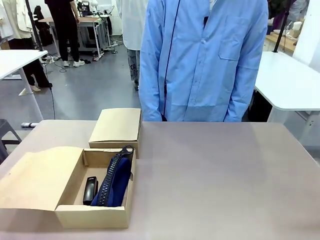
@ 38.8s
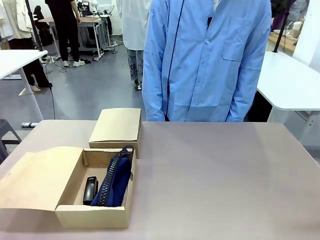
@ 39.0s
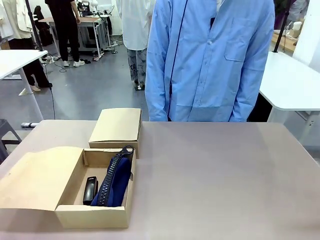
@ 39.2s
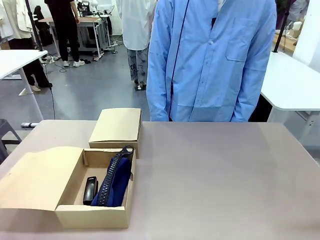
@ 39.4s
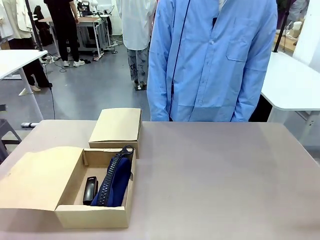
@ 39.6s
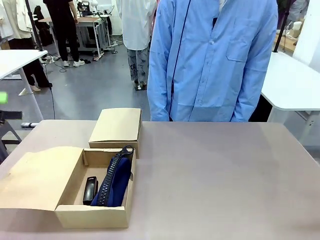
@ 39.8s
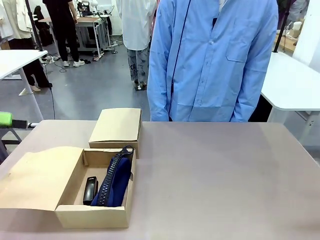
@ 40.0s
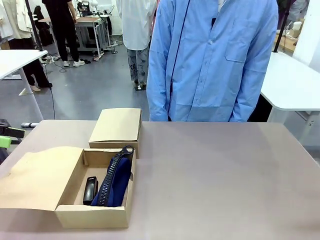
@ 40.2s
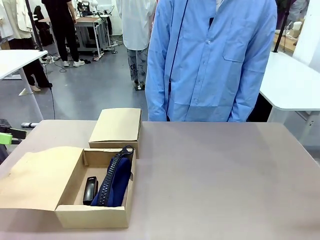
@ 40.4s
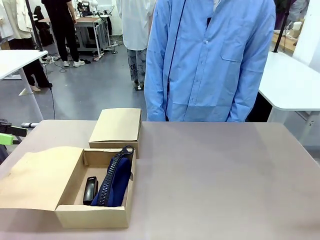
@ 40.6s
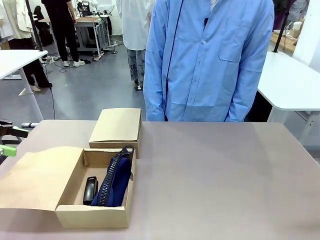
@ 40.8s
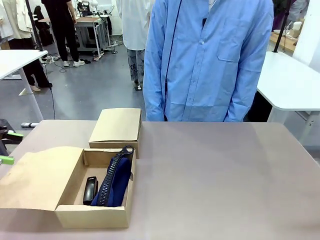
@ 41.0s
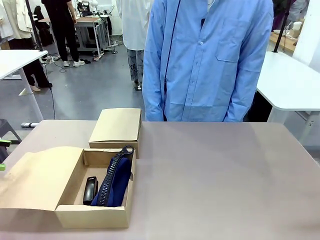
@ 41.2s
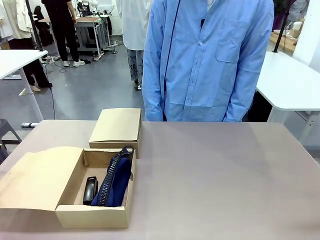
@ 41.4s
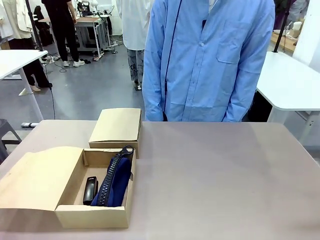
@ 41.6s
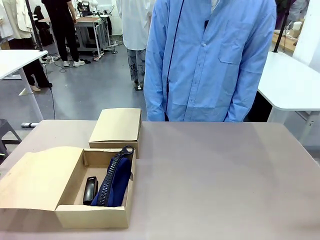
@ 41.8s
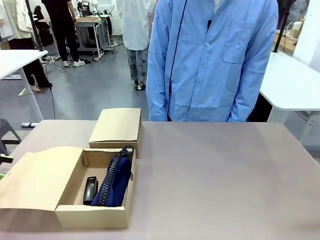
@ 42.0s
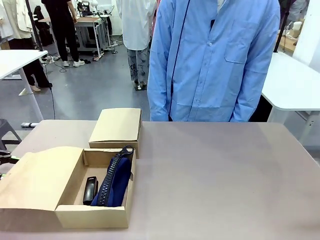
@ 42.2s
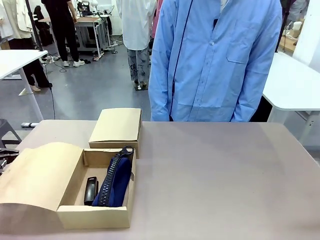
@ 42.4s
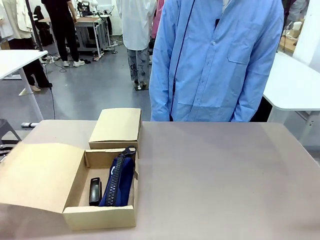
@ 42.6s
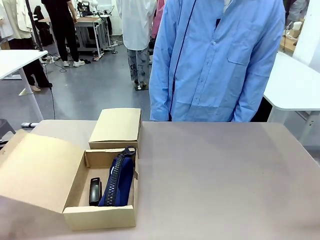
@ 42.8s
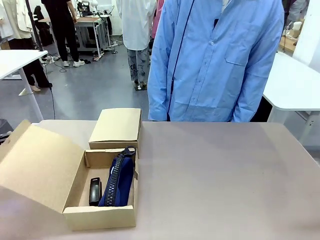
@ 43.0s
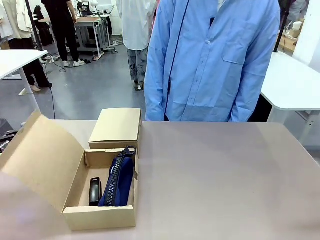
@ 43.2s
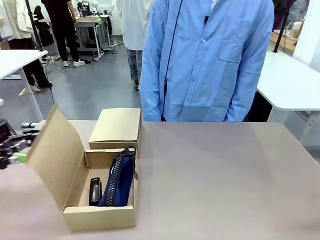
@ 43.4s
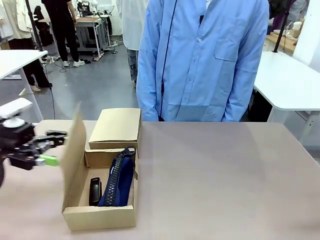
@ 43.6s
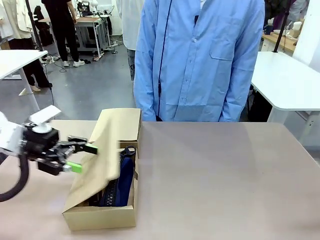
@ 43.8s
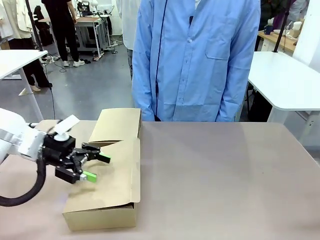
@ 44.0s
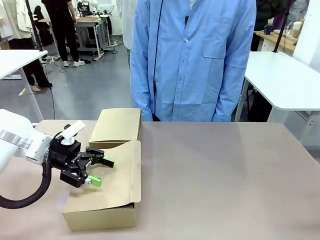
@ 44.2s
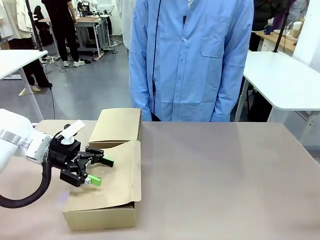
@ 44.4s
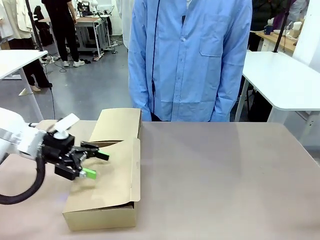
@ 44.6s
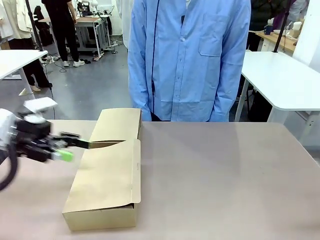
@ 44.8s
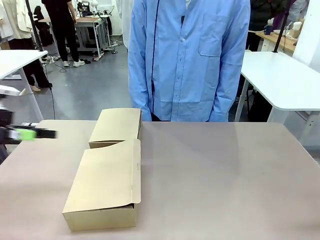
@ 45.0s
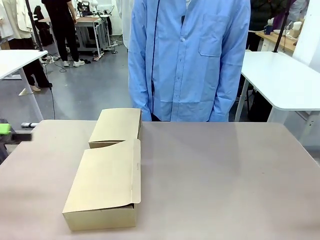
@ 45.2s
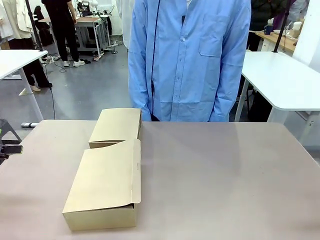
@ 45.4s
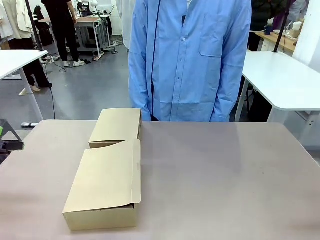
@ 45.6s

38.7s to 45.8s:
Task: Place items inside the box.
Robot: Close the lid of the Mailer Box closest to the robot.

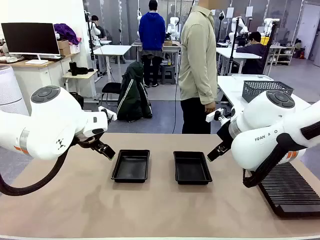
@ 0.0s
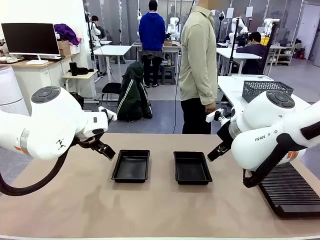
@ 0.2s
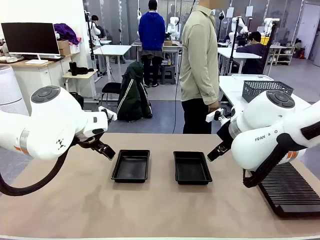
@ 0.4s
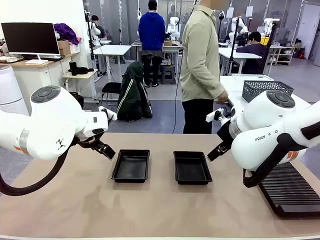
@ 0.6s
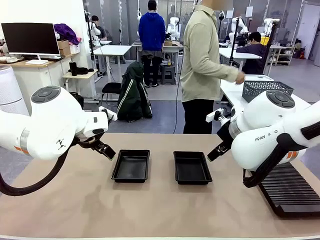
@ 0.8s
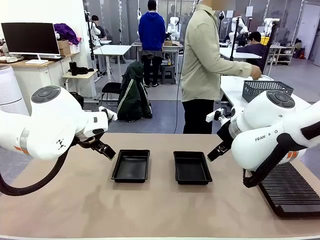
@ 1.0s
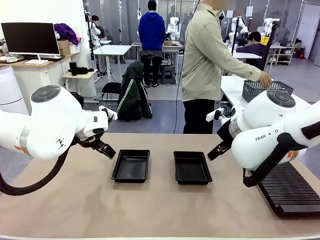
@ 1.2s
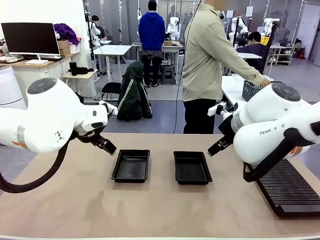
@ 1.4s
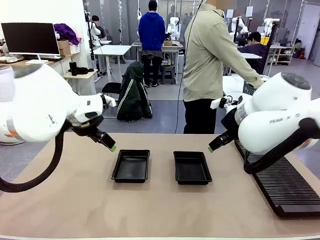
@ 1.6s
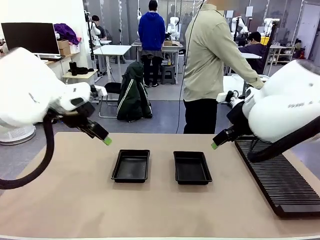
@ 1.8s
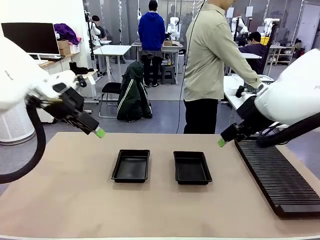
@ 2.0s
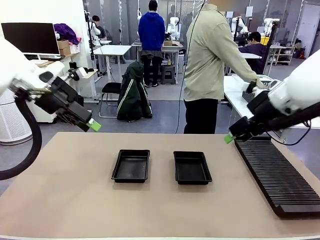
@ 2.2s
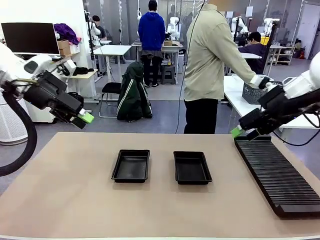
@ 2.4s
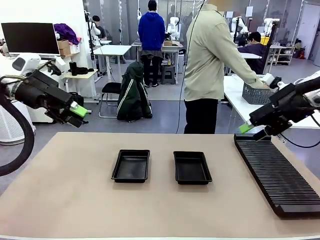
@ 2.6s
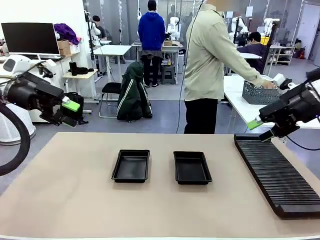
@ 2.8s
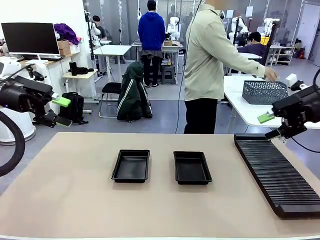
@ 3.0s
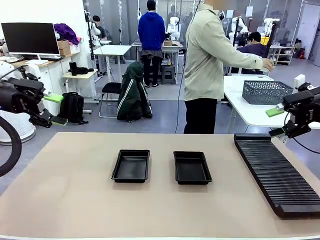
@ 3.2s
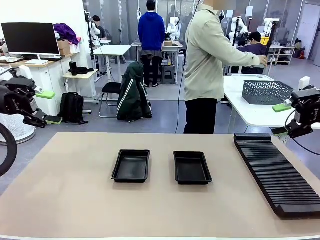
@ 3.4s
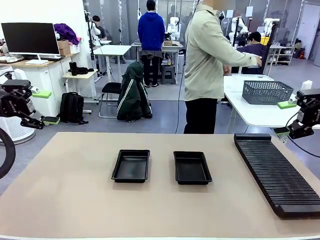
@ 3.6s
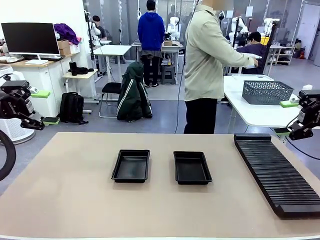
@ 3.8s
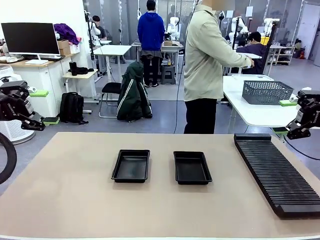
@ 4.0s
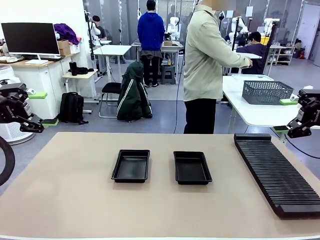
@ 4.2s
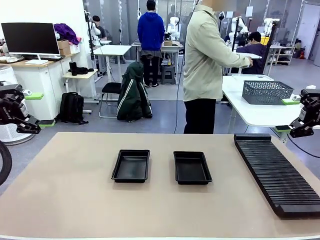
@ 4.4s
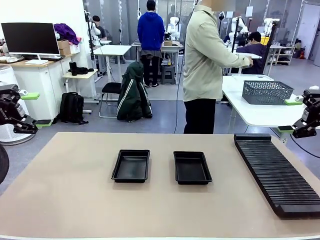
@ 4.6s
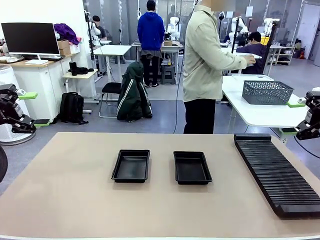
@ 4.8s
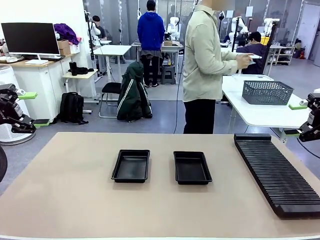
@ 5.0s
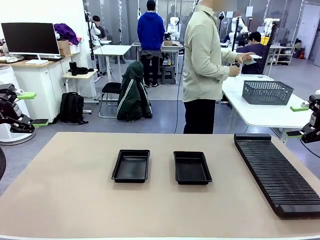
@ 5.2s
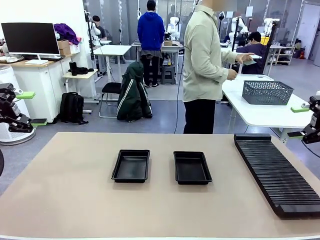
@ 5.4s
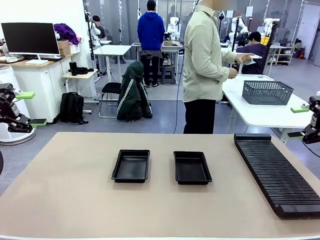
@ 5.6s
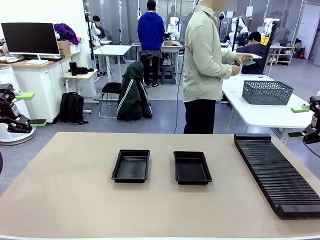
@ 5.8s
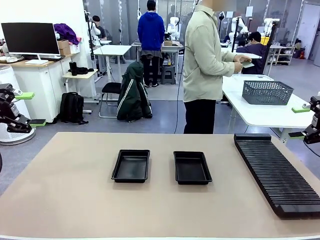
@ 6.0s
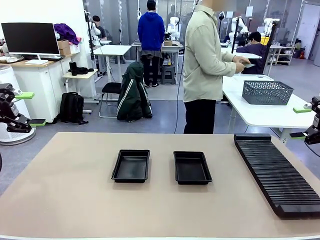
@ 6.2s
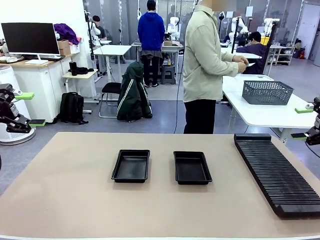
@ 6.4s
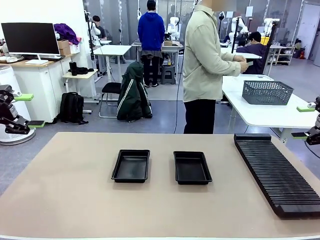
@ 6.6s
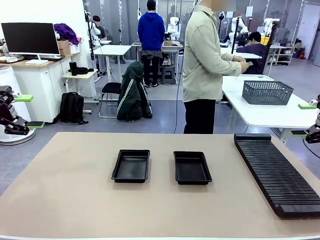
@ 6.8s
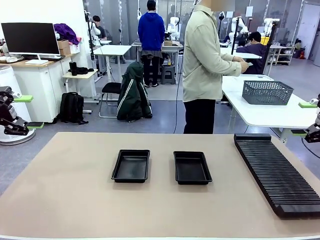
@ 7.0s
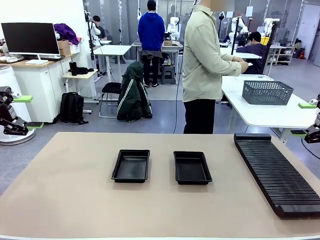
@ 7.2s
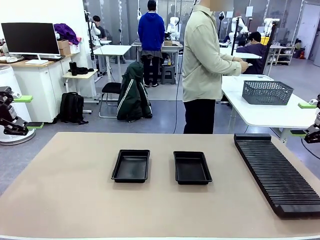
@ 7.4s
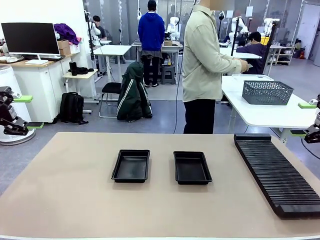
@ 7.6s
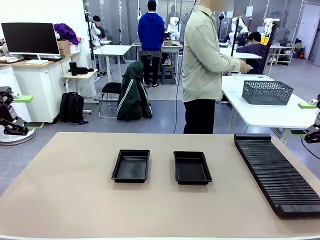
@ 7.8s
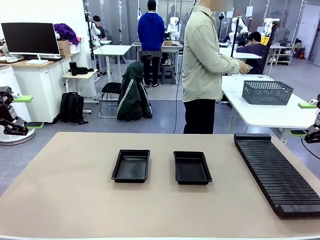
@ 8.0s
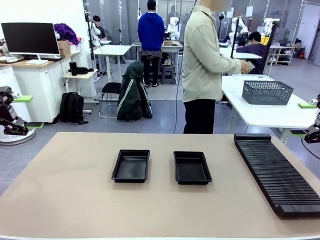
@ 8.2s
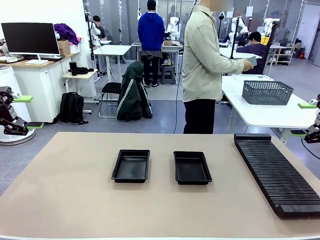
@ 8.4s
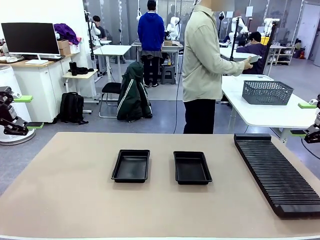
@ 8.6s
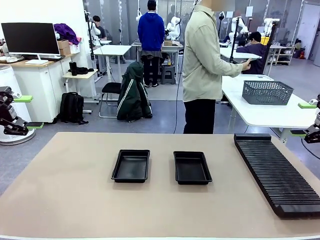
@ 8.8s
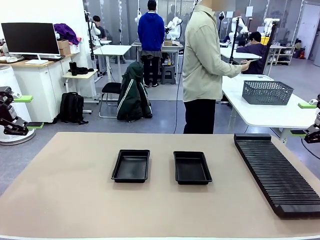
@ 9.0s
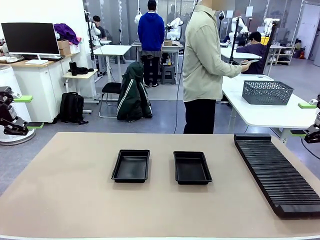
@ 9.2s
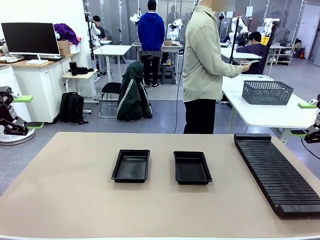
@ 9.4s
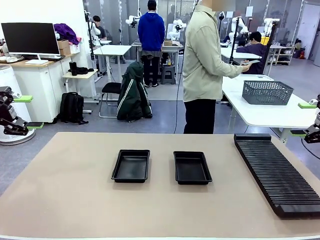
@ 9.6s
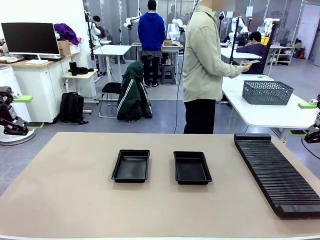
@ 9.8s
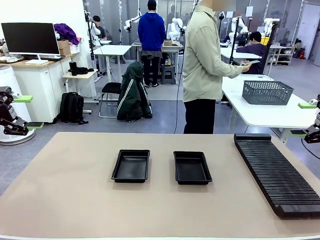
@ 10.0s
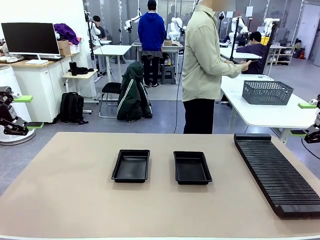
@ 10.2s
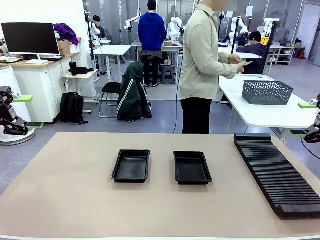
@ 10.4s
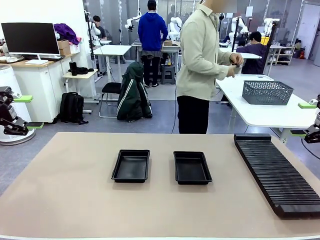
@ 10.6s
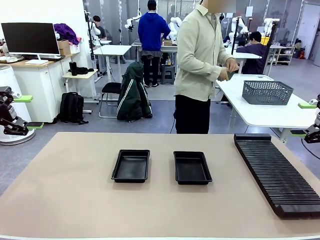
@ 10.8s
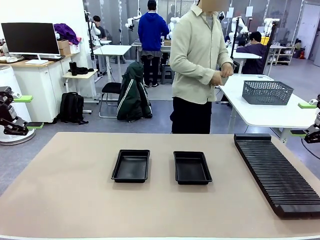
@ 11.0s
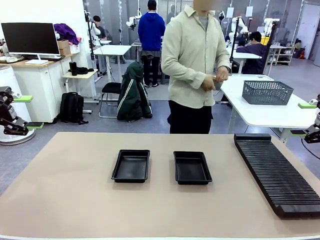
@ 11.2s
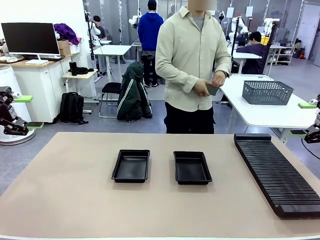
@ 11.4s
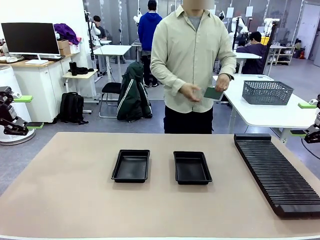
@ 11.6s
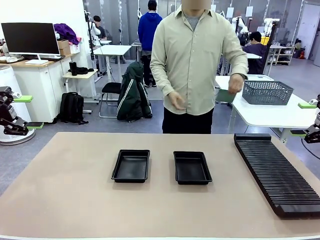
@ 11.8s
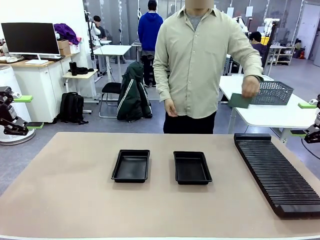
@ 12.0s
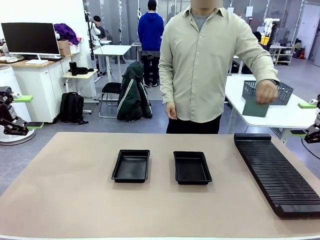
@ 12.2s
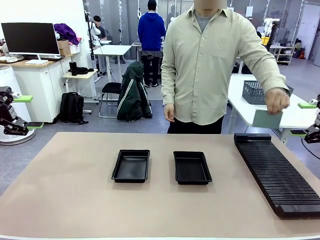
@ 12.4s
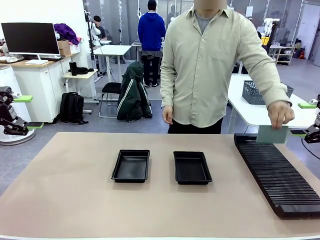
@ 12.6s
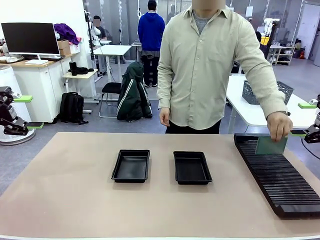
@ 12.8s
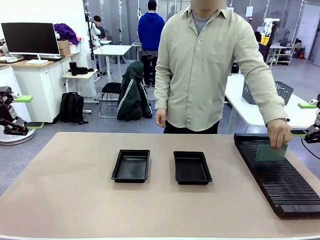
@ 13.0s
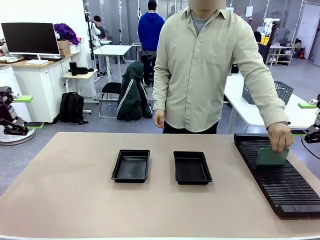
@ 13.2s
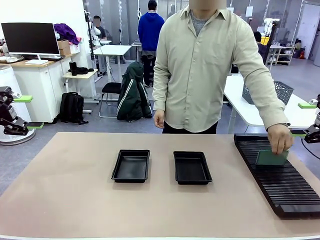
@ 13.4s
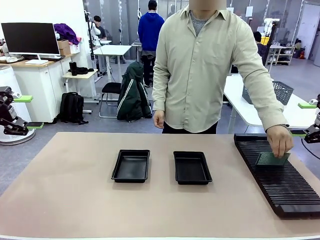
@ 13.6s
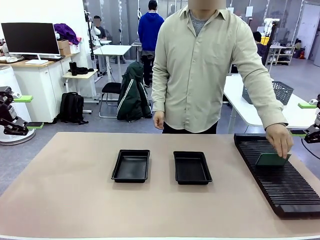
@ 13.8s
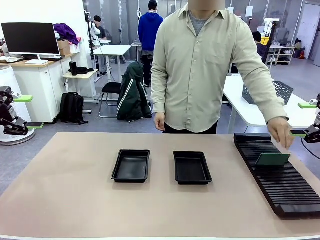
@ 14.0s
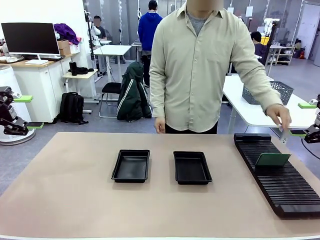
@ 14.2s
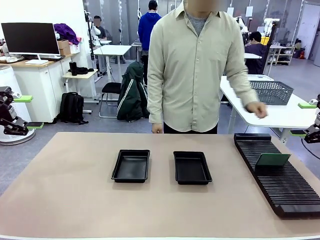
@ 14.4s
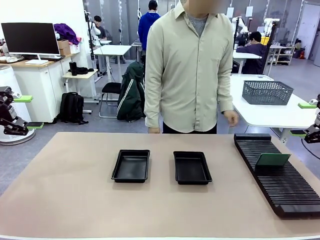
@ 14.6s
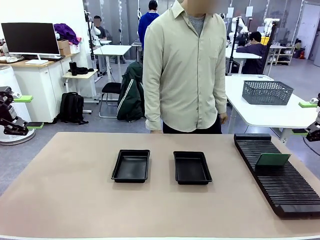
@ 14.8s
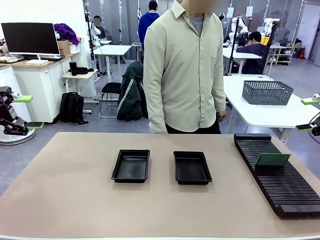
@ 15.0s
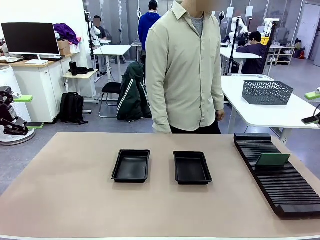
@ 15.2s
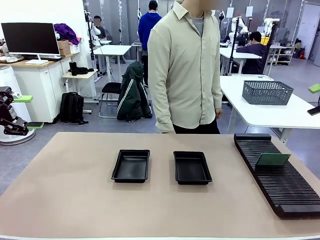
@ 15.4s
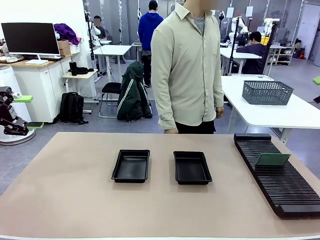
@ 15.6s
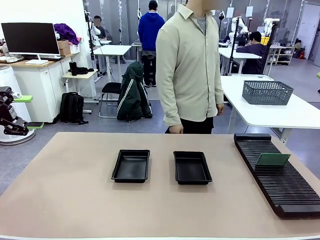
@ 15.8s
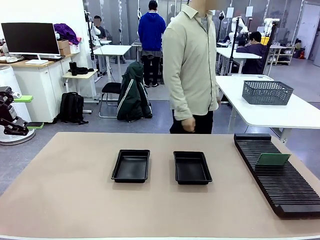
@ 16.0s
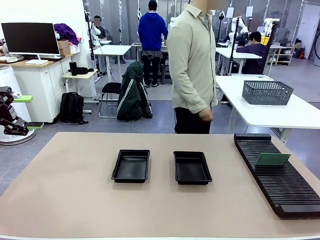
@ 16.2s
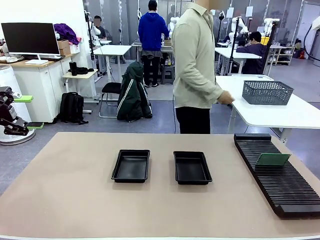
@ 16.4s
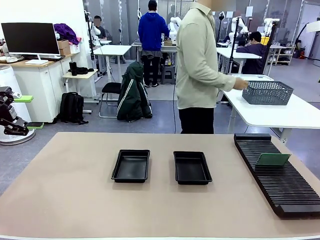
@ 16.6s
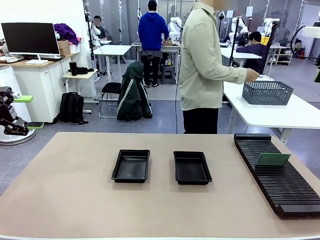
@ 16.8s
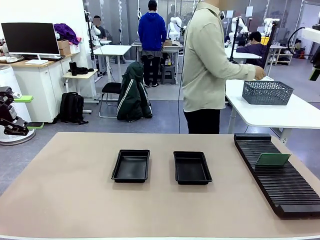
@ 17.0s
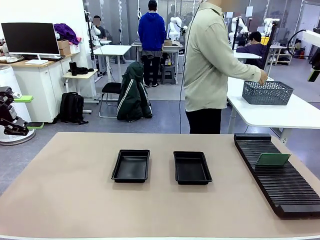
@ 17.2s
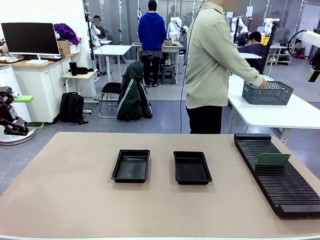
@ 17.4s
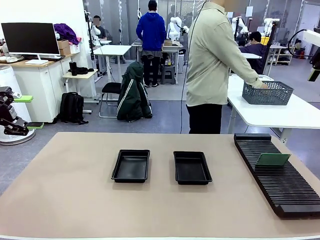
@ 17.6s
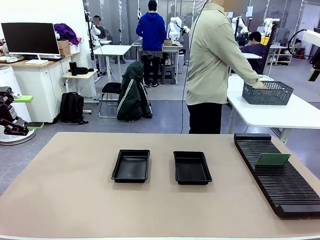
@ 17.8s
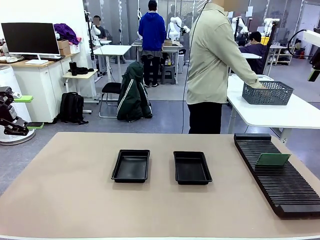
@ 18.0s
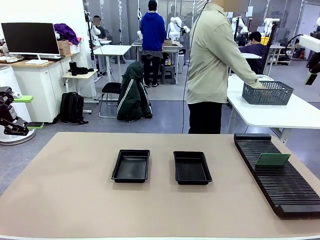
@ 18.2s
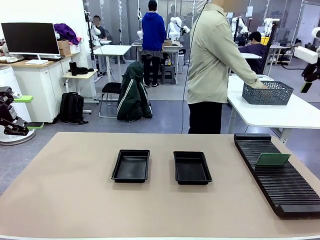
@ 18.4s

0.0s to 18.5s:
Task: Inspect and transfer BCBs to ESD trays.
Robot: Pick up the Blank PCB from the PCB Rack and place it in the left ESD tray.
